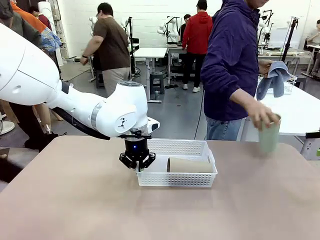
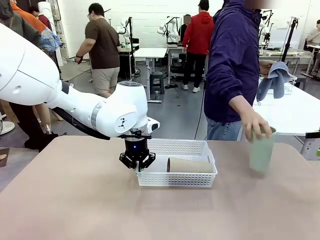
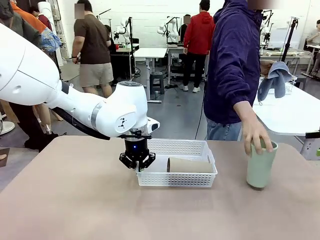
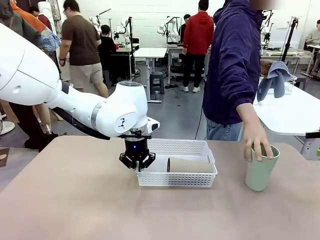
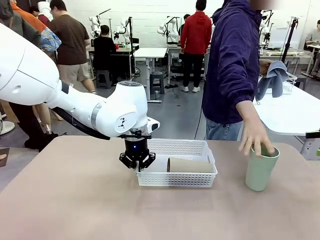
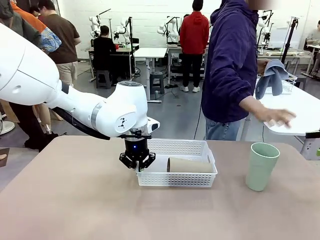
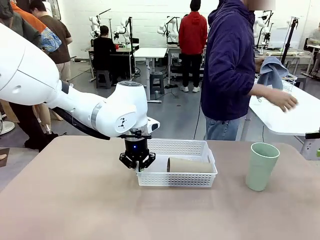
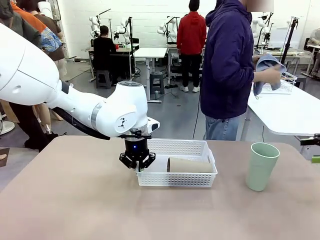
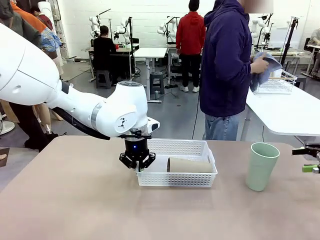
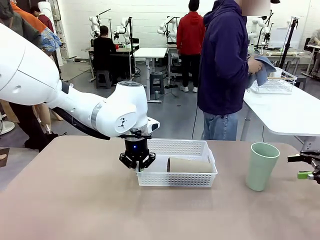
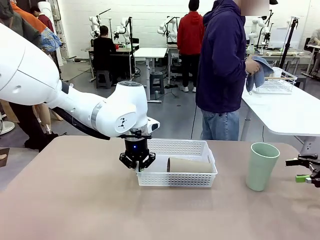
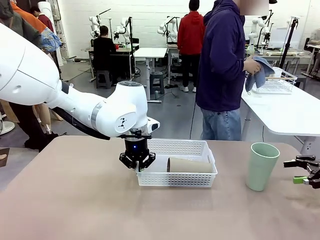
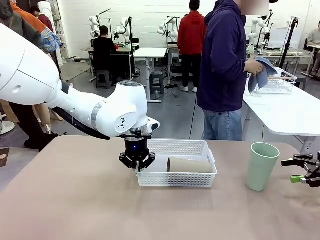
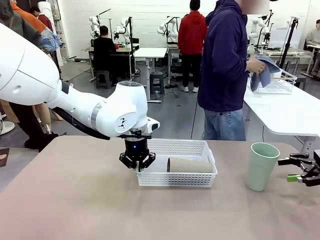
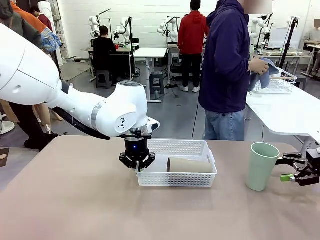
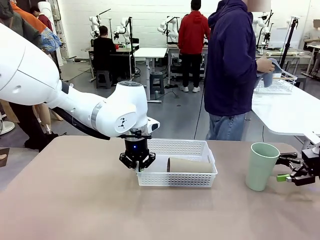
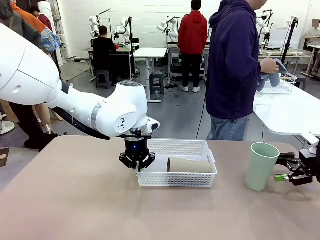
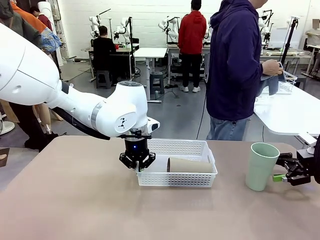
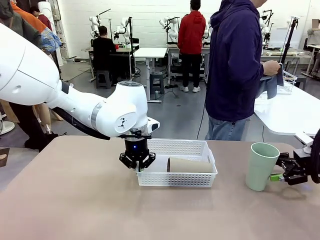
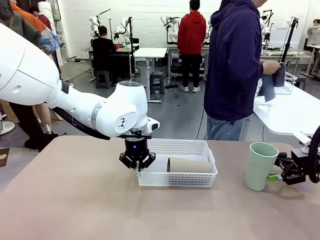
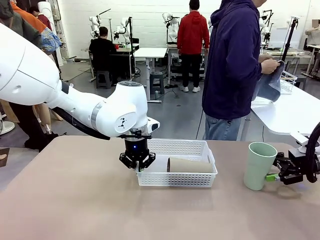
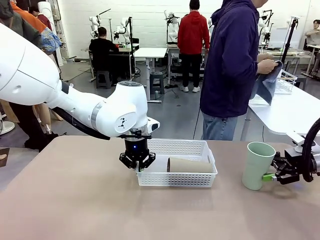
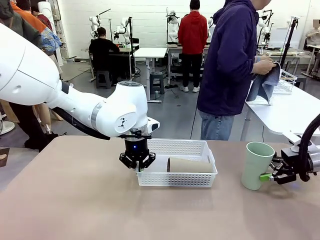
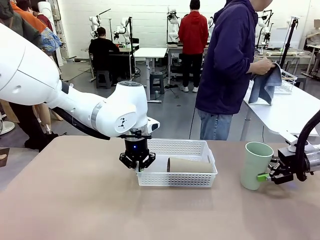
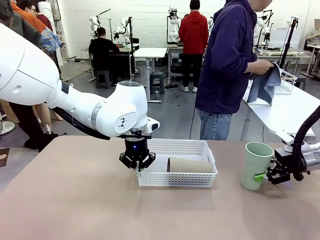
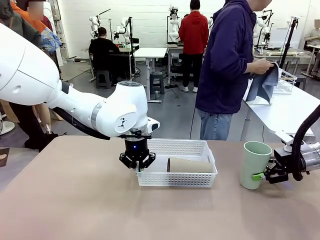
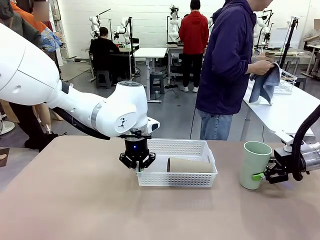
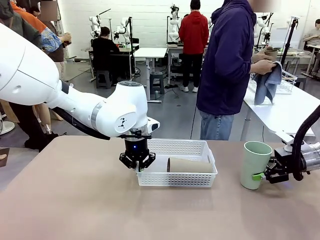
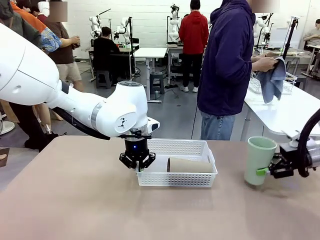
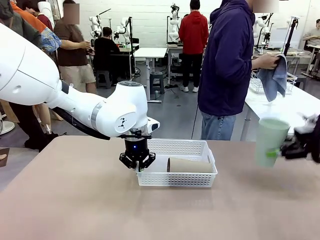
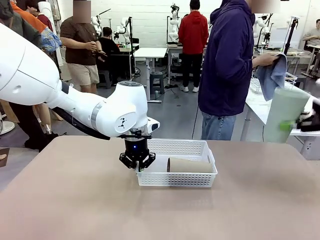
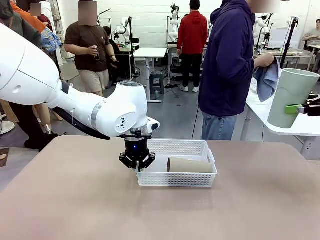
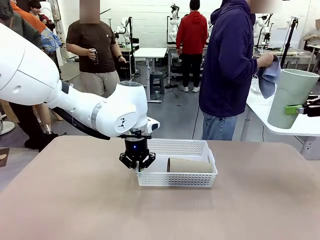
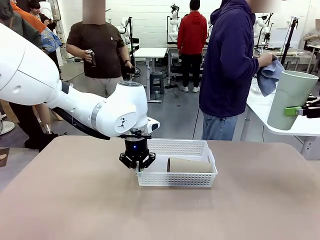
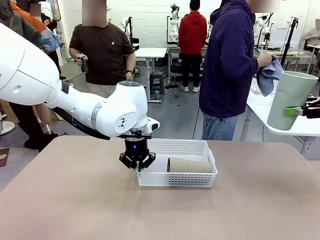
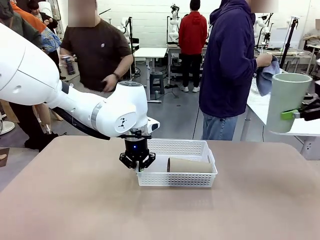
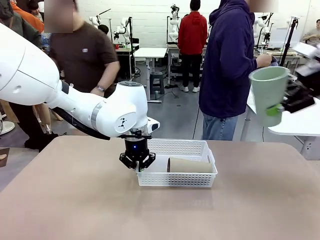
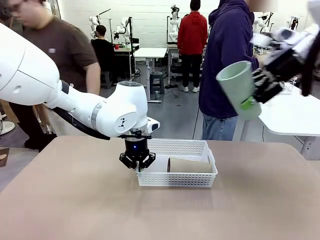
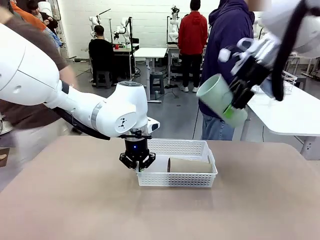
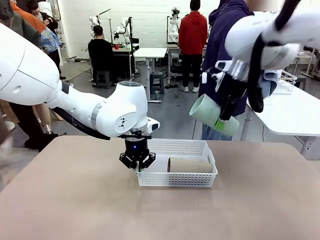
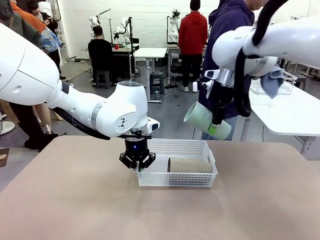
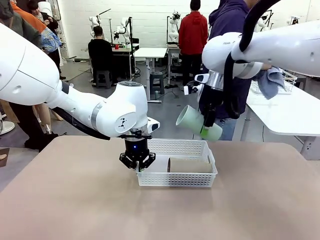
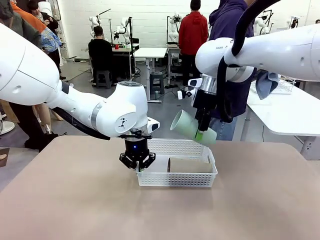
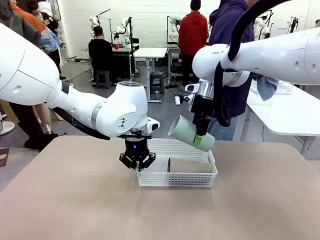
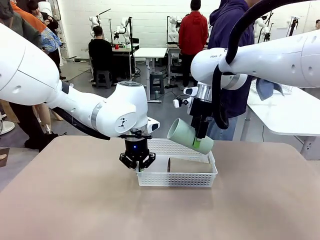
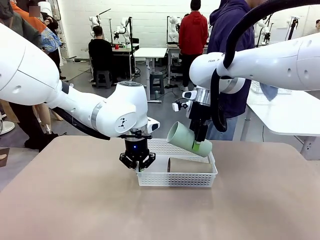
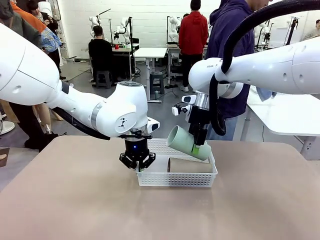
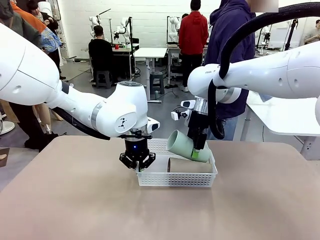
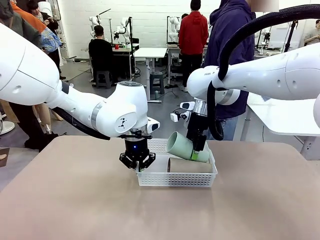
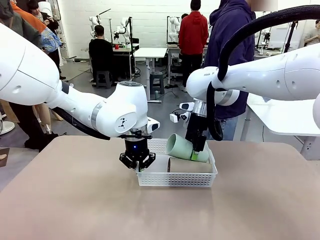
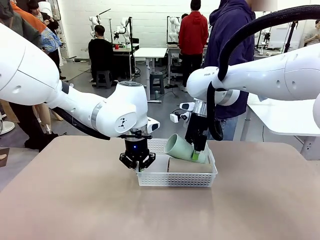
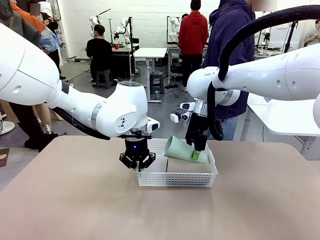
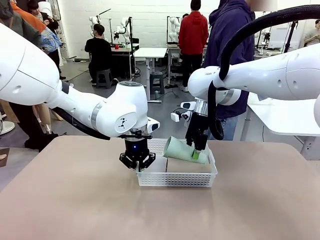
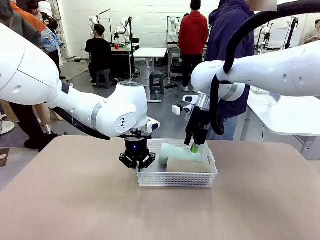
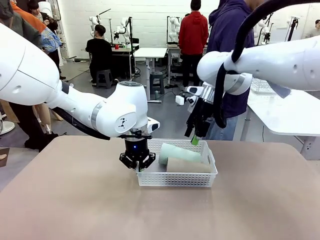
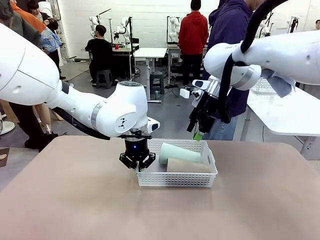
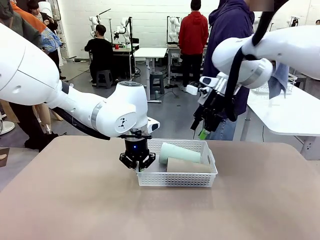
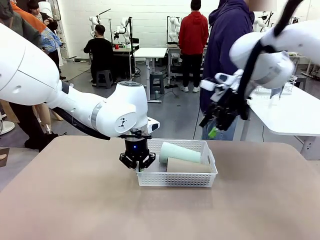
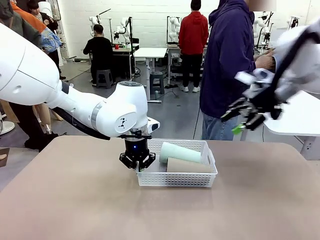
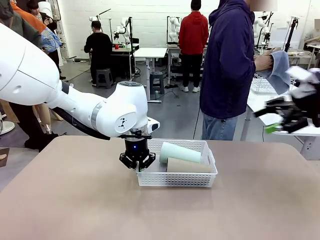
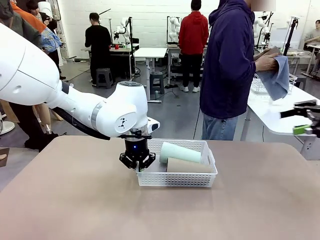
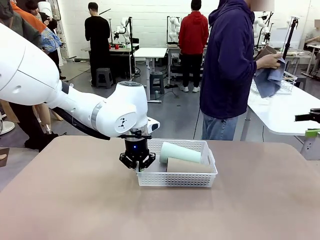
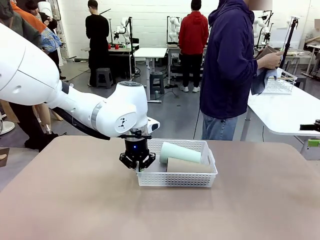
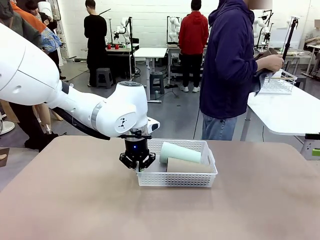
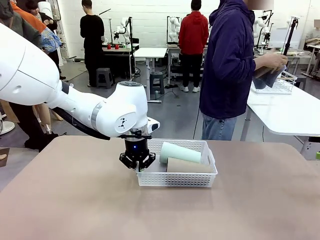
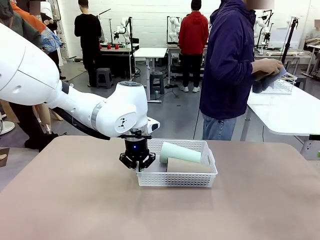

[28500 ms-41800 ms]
Task: Clean and organize the cups into the basket.
Robot: Pick up the Reusable plastic cup from the right side of the table and stack it inside the Organizing basket in the center of the table.

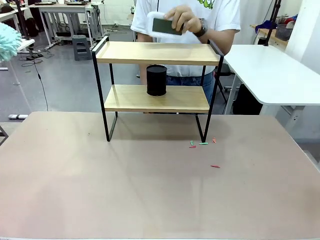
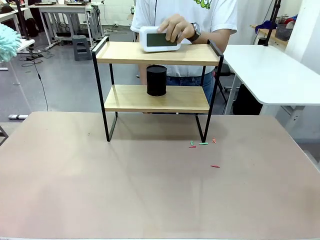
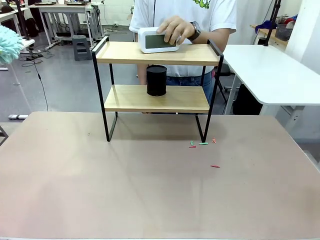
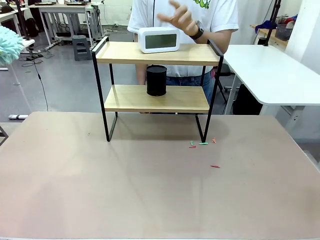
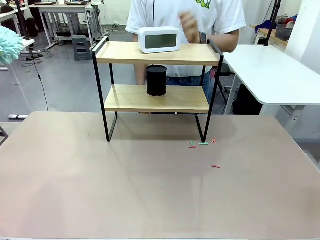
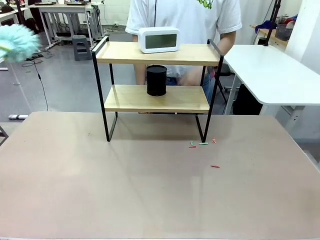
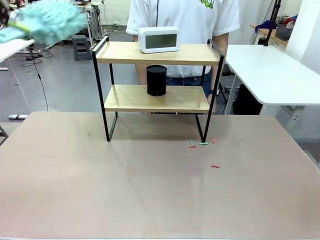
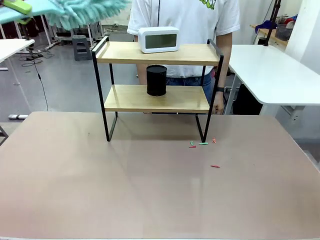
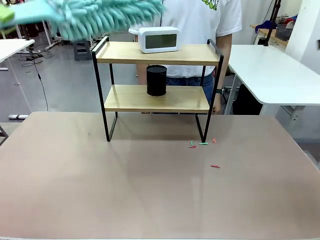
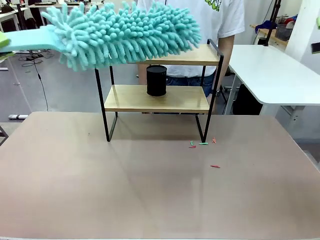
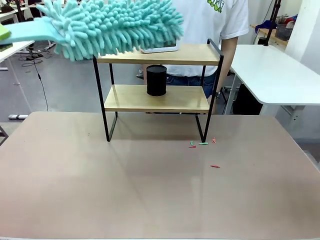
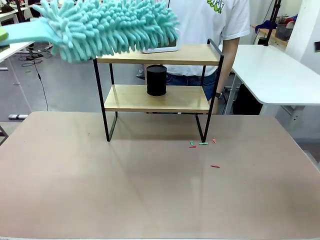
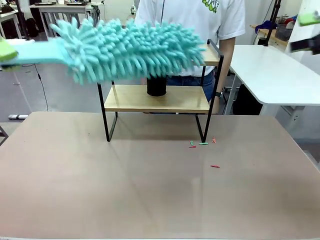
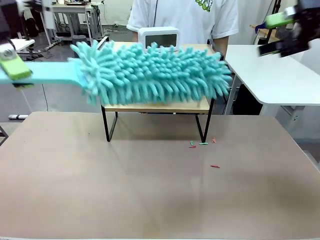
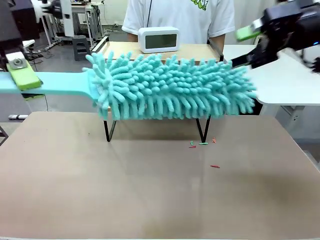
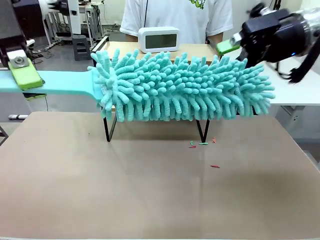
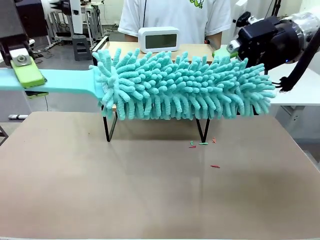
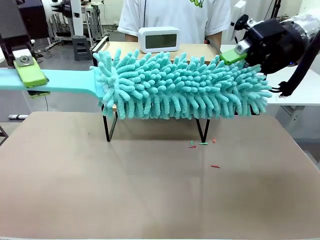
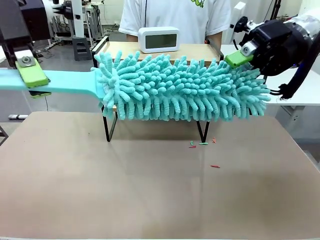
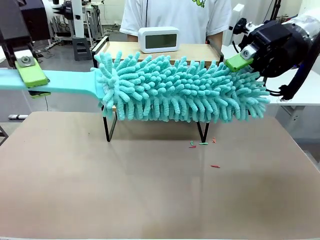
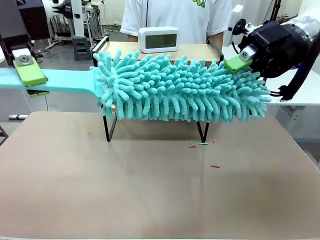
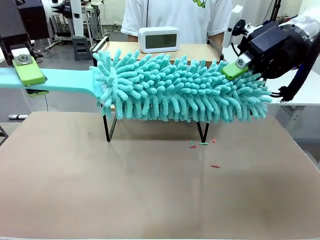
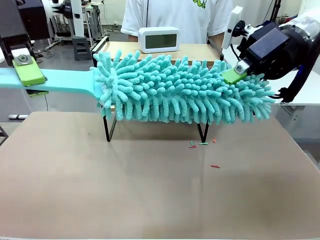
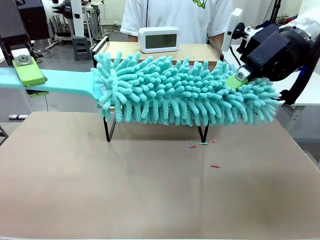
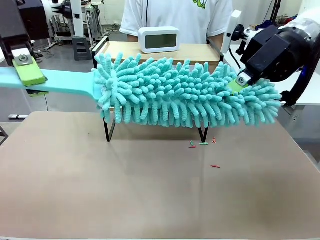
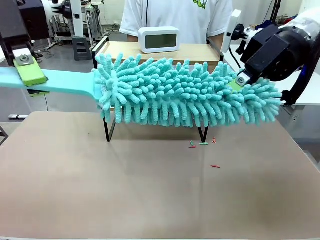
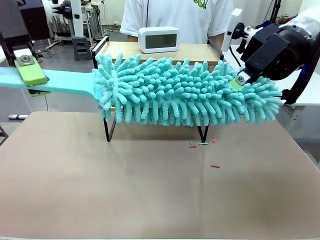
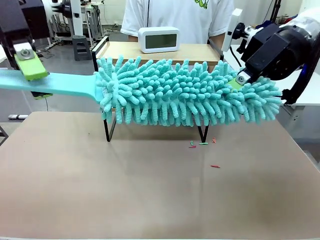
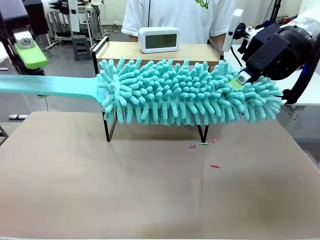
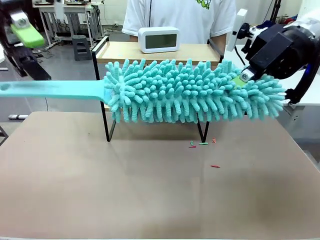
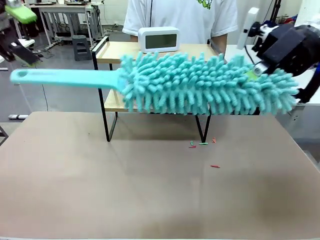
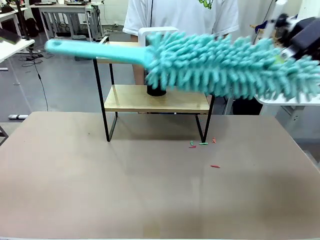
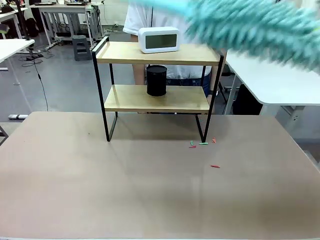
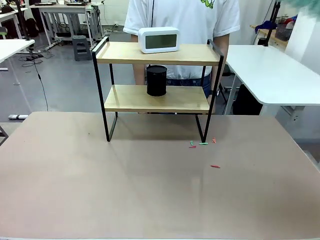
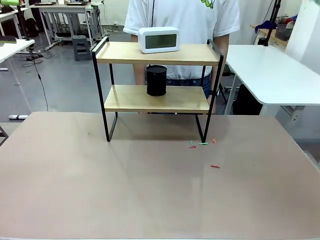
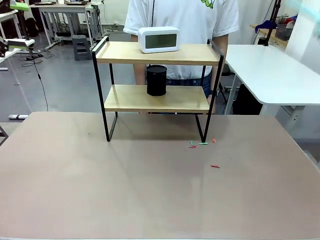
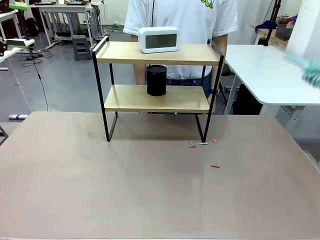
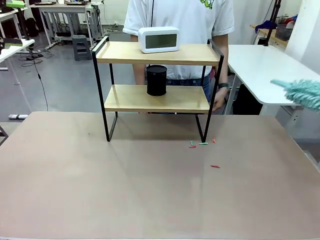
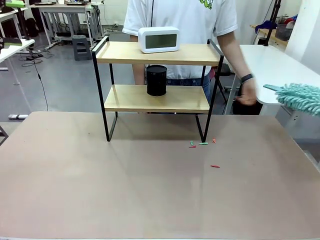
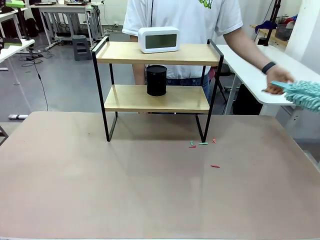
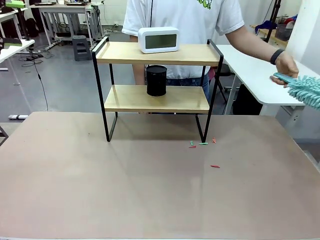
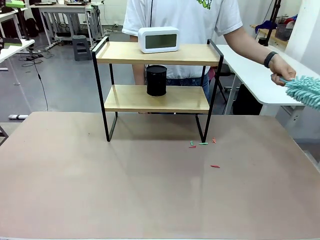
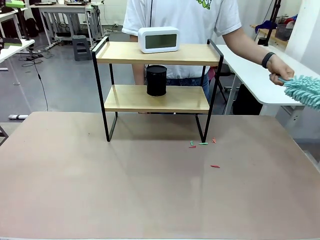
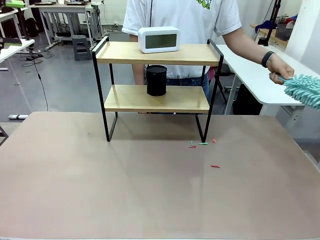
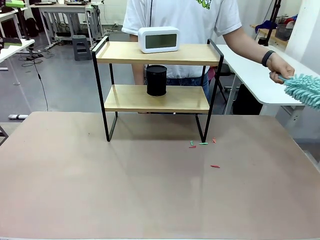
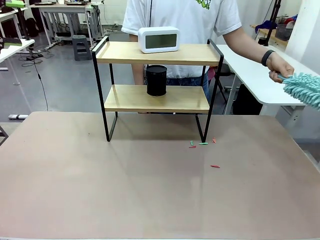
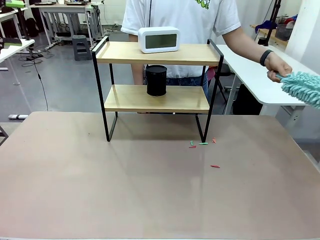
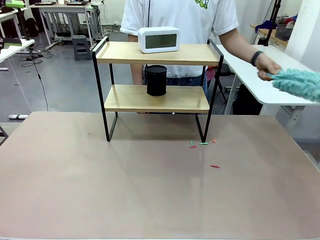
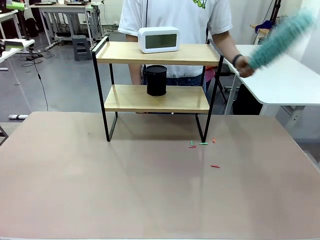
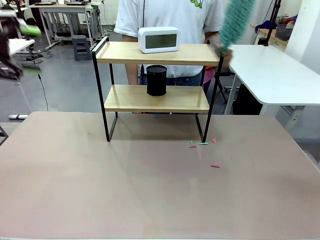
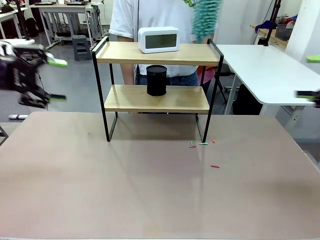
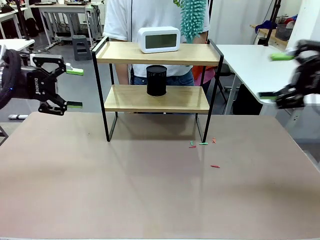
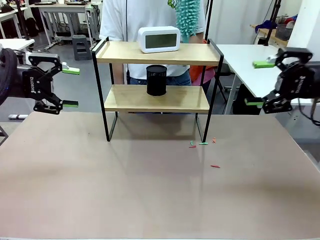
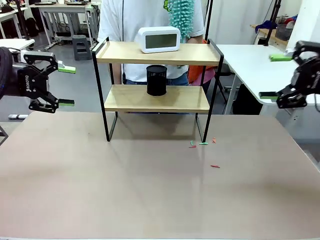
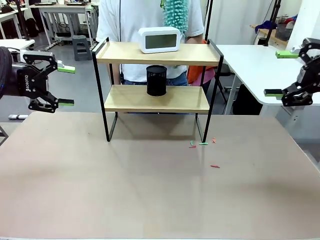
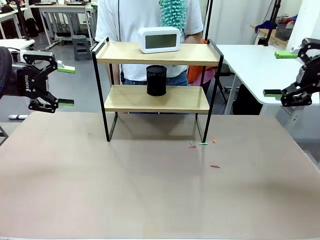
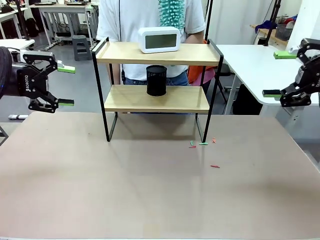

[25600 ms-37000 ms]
Task: Clean the shelf.
Robot: Hand the Duster back to the human.
Person: Receive the Duster from the robot.
